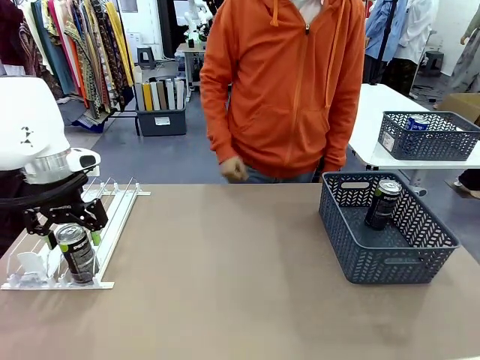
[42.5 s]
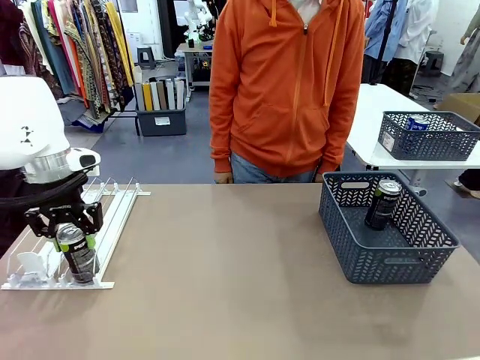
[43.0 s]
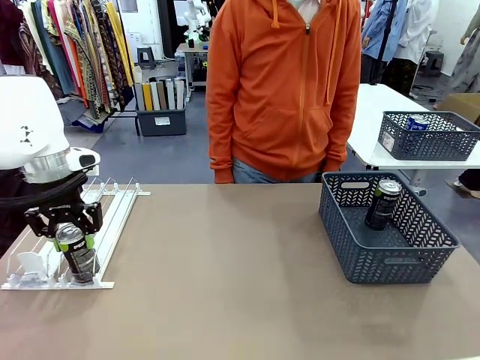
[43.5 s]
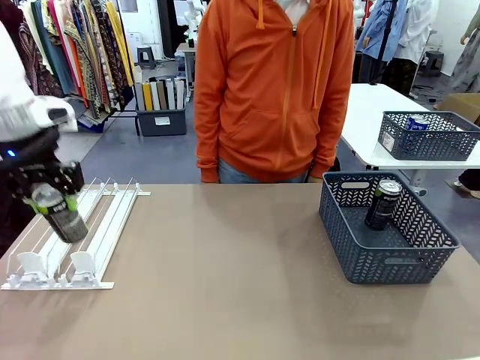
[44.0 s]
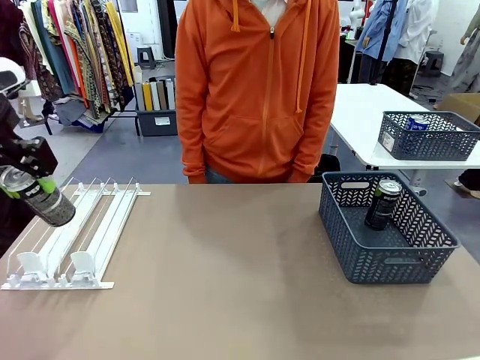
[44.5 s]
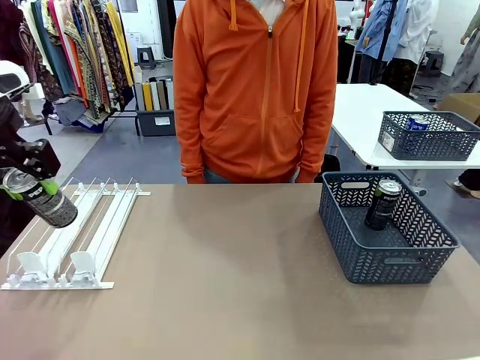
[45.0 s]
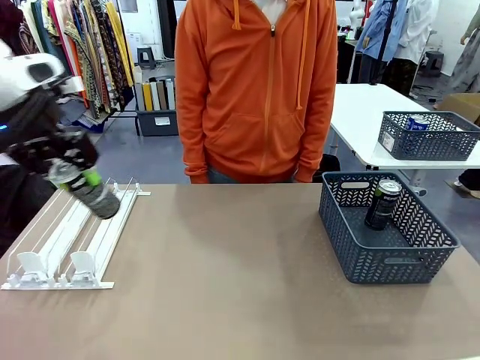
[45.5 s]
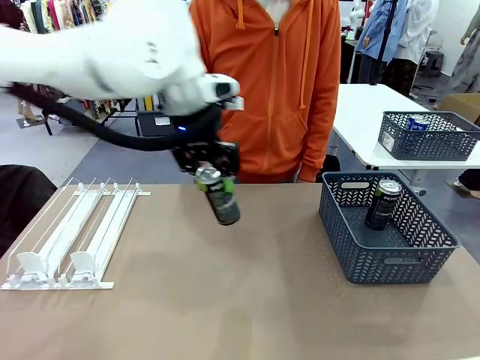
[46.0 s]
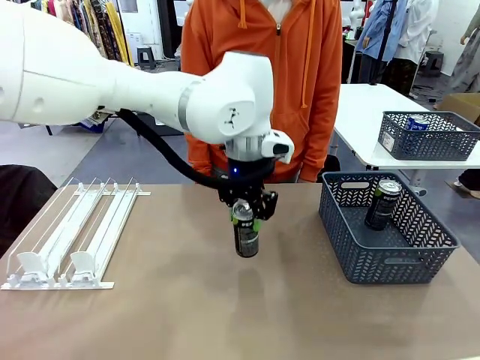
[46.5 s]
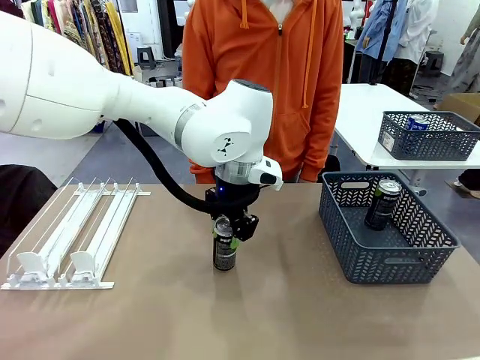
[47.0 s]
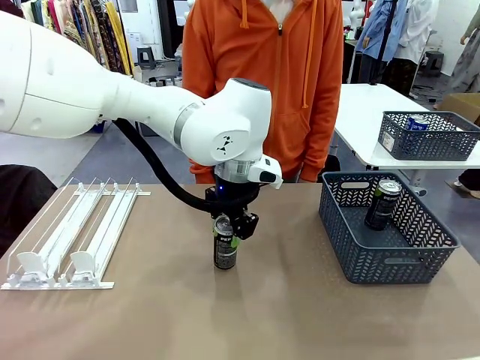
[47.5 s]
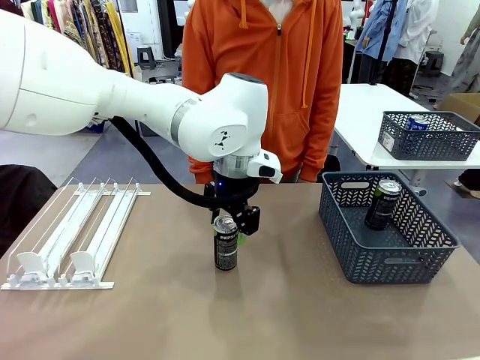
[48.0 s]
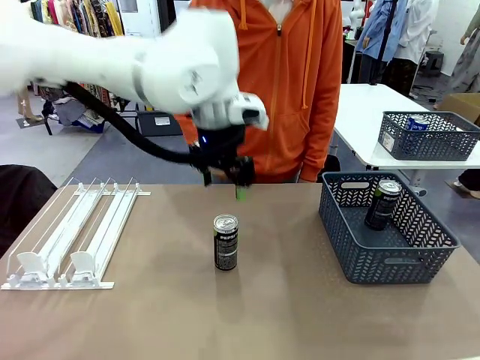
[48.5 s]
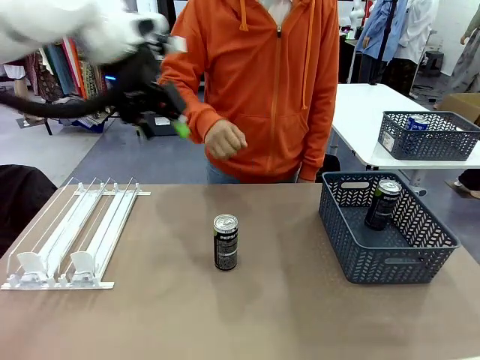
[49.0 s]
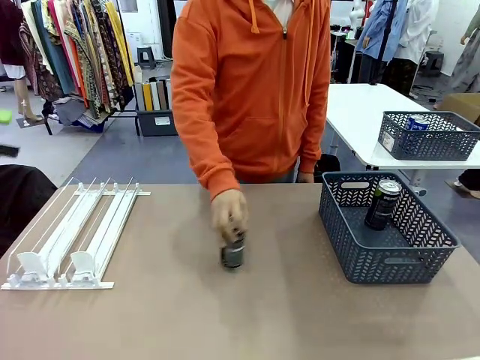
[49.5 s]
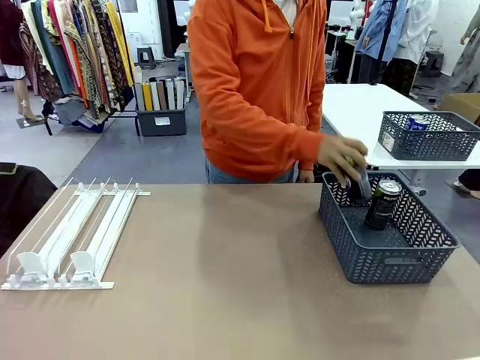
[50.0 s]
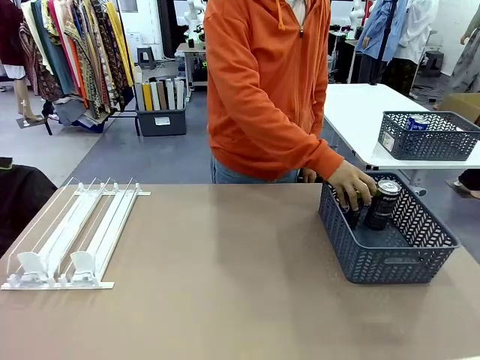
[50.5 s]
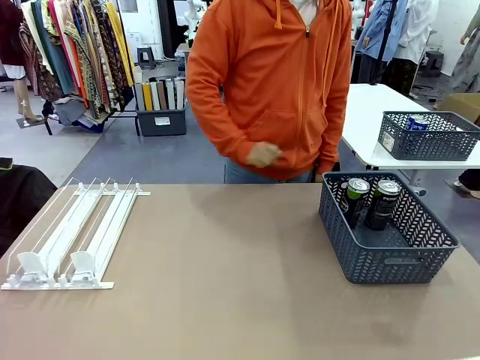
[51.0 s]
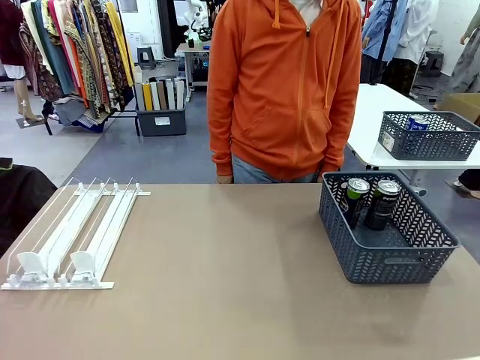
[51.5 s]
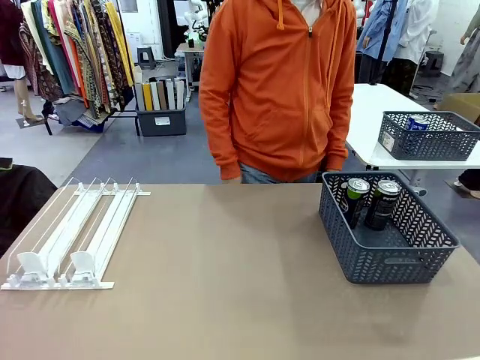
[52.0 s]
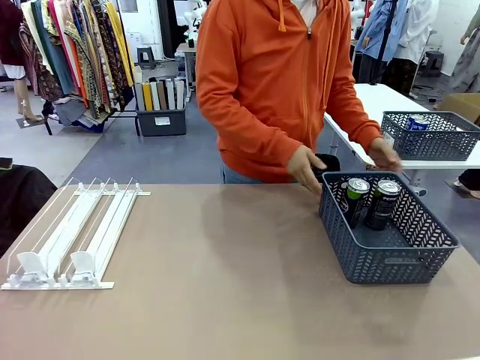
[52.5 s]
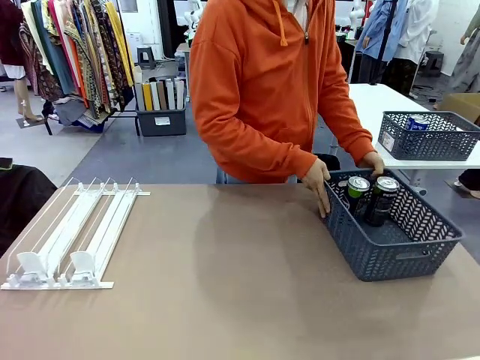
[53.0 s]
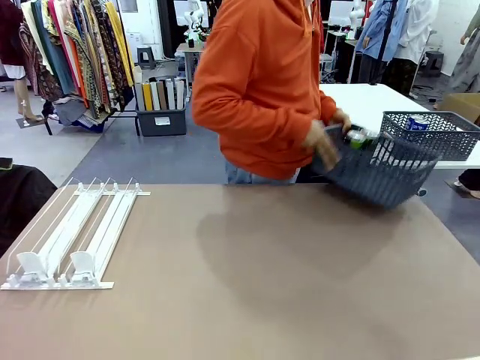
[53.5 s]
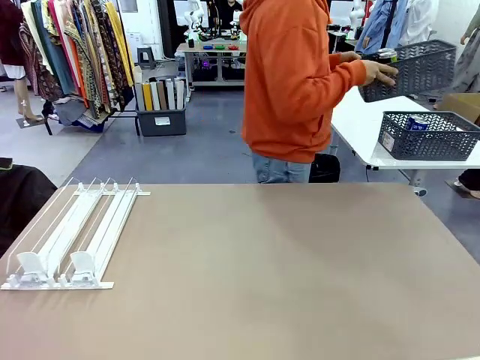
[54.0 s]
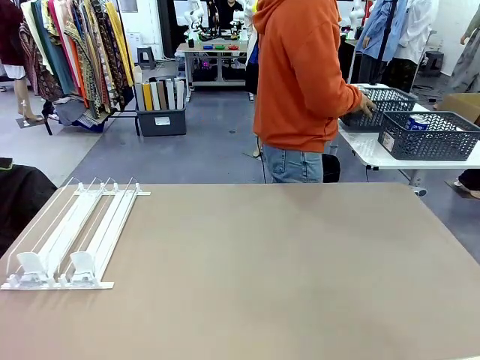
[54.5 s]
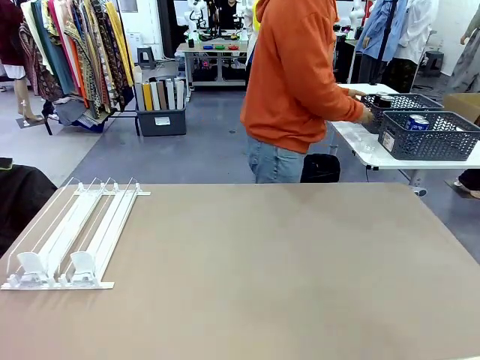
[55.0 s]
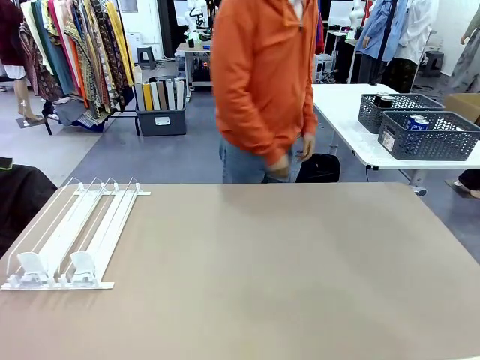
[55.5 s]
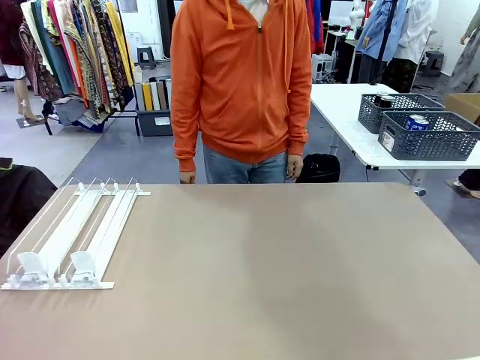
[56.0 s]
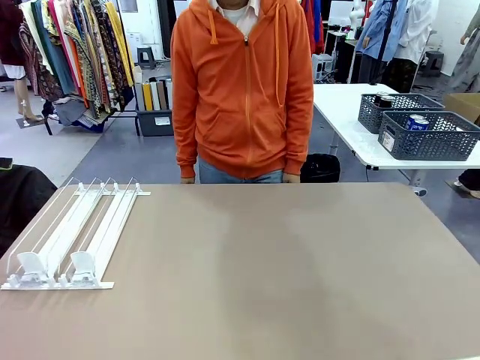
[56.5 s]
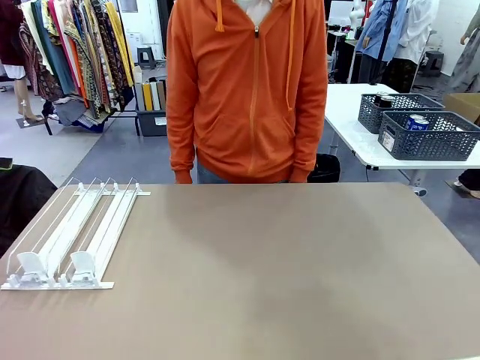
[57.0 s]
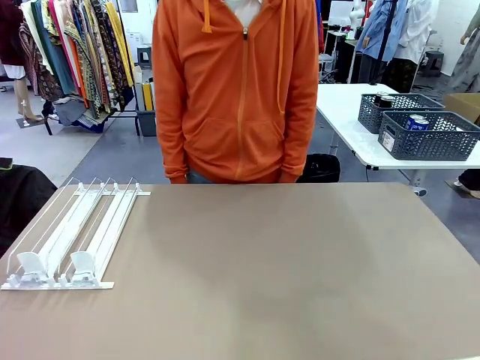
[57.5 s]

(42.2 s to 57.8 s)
Task: Retrieve and store the cans from the dispenser.
Robot: Pick up one can from the Automatic Can Dispenser and place it in the middle of the table.
Person: Pick up one sports drink can from the middle of the robot table and place it in the basket. Pick up the basket and place it in the middle of the human table.

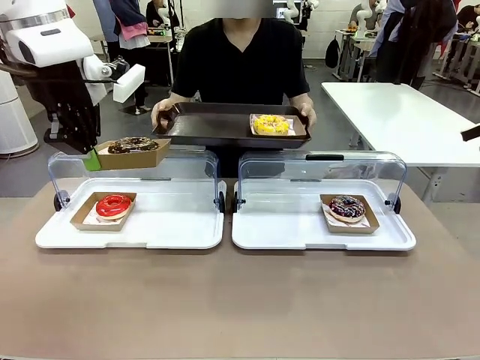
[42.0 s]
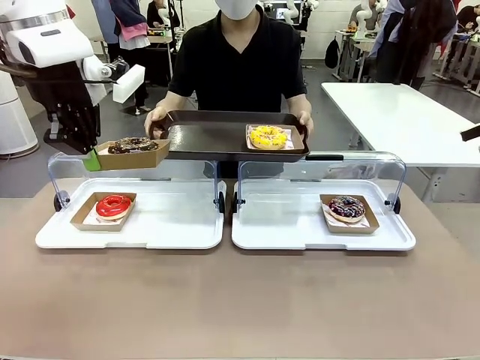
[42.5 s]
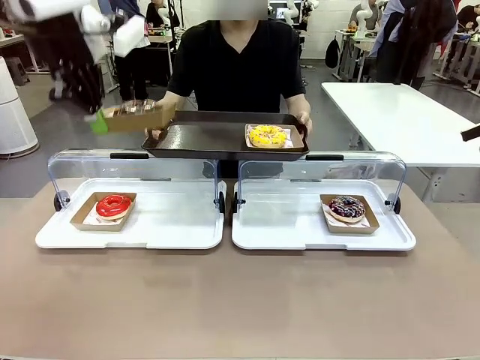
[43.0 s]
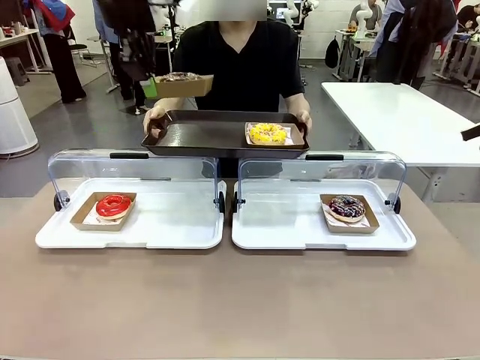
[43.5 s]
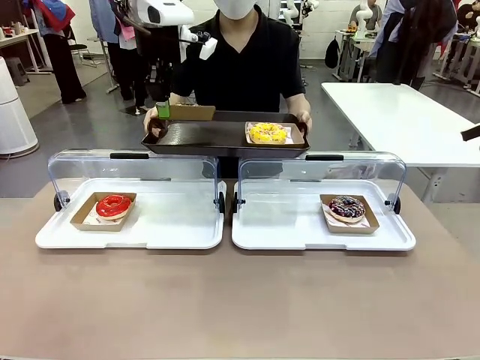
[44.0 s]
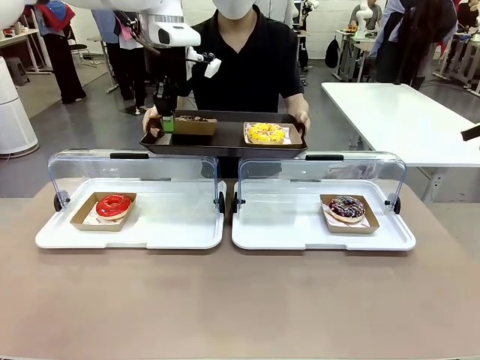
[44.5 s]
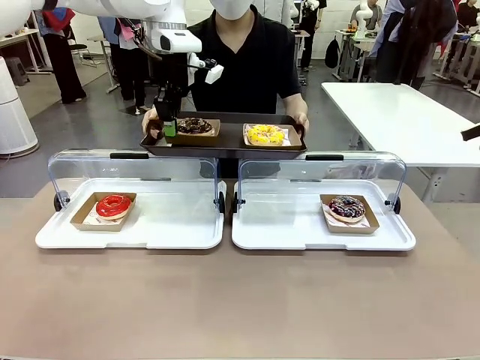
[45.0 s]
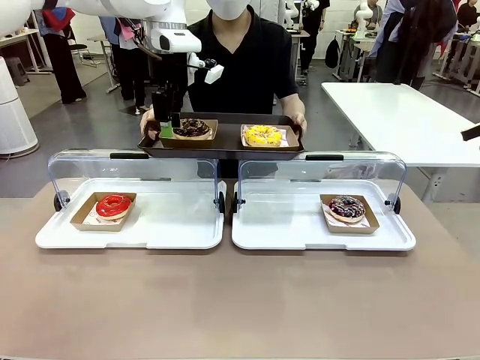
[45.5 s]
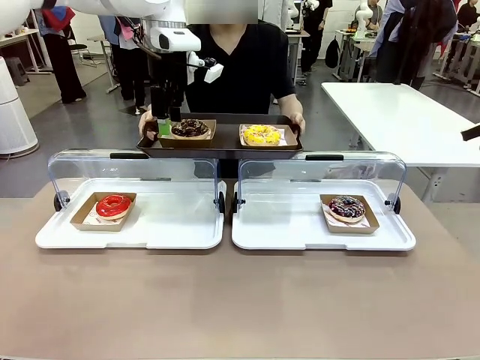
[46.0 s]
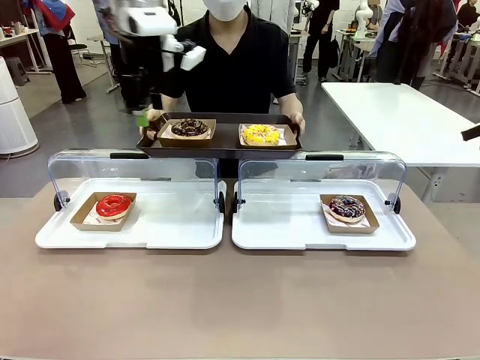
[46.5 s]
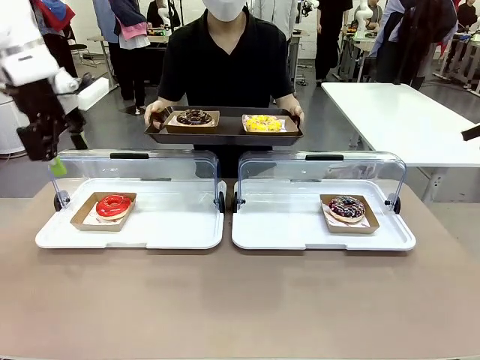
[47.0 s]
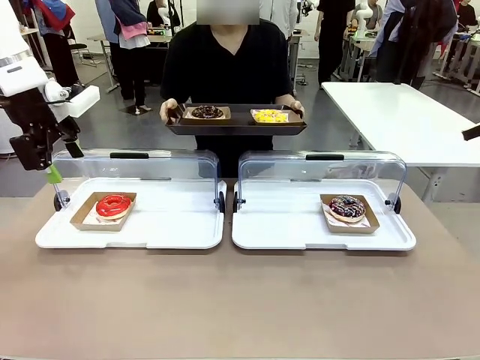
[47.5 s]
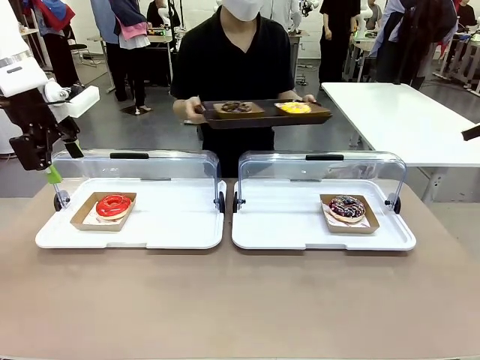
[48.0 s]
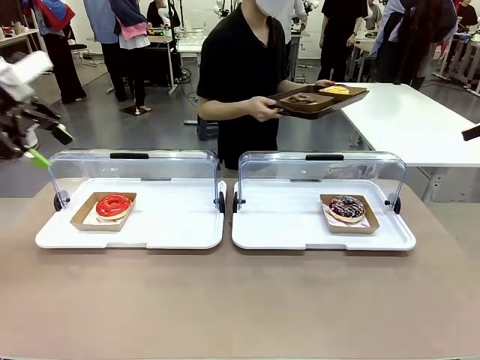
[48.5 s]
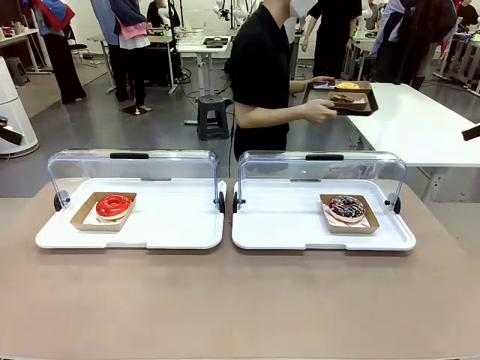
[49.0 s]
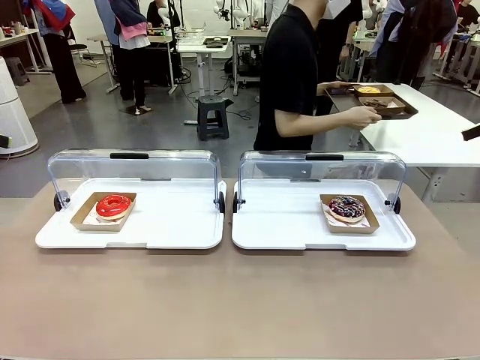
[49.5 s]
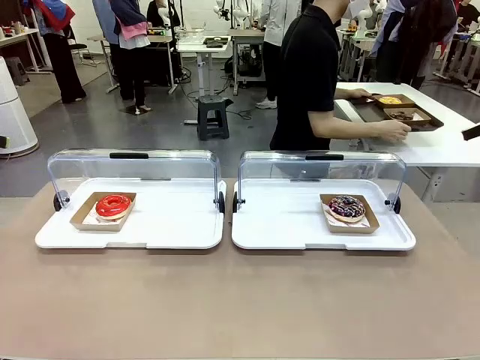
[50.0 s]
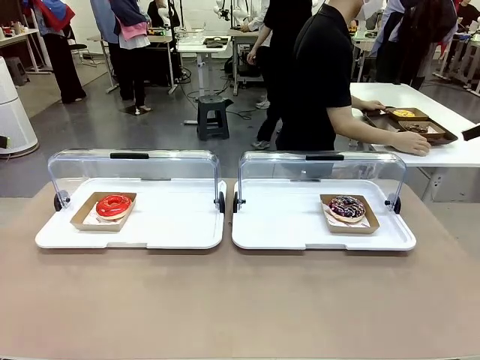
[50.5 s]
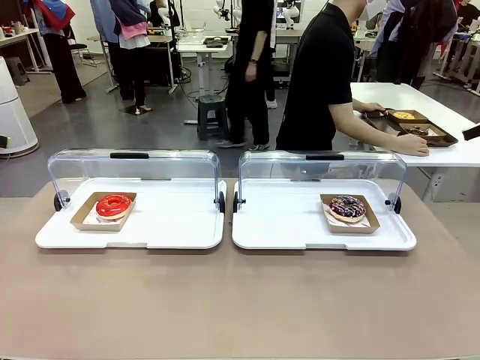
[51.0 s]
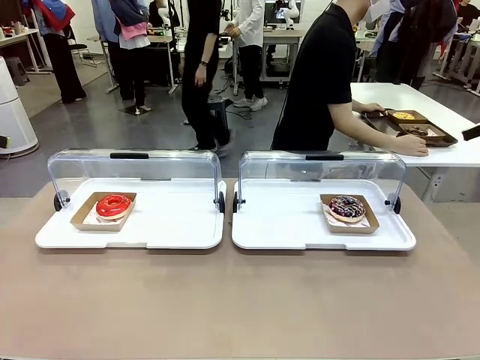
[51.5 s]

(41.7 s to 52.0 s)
Task: Provide the desired donut to the person.
Robot: Place the picked Paper togo box onto the Handle tray extended by the person.
Person: Place the tray in the middle of the human table.
